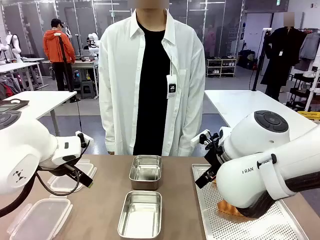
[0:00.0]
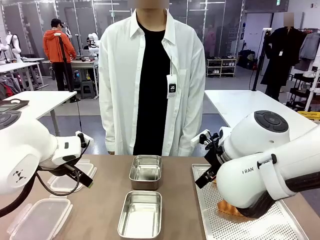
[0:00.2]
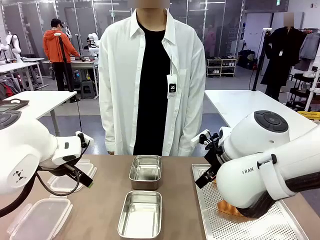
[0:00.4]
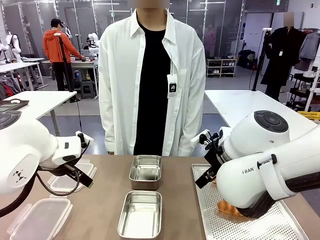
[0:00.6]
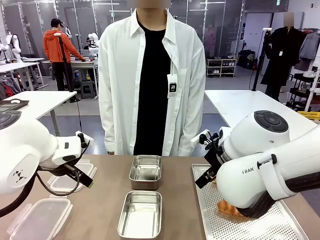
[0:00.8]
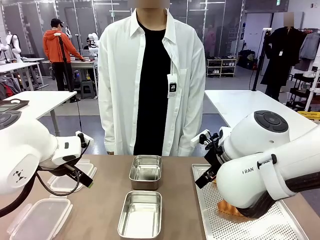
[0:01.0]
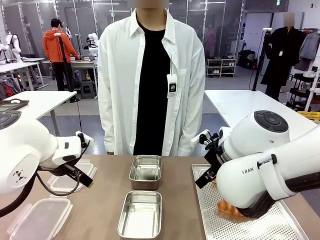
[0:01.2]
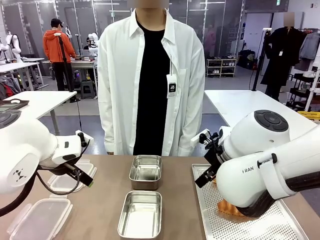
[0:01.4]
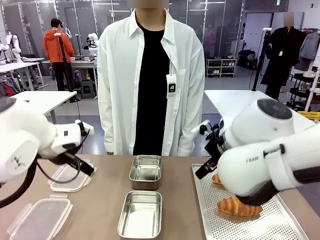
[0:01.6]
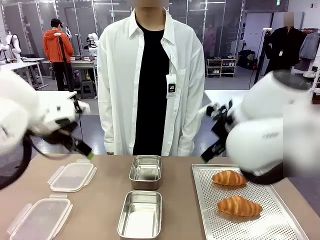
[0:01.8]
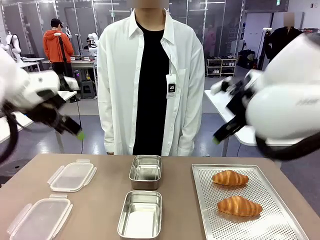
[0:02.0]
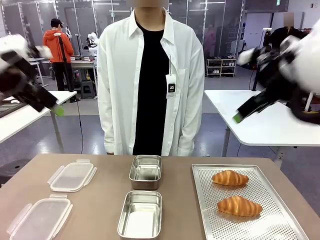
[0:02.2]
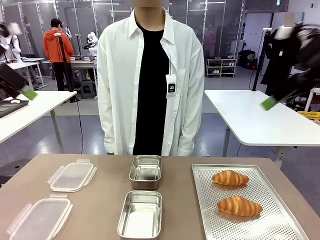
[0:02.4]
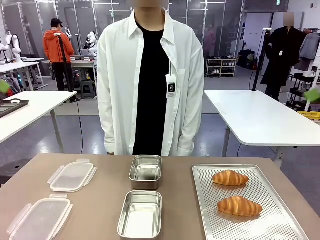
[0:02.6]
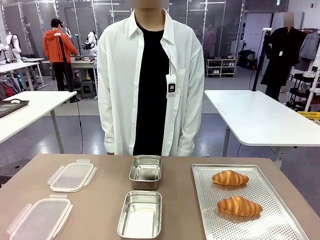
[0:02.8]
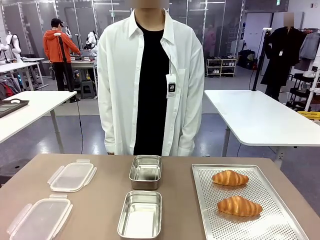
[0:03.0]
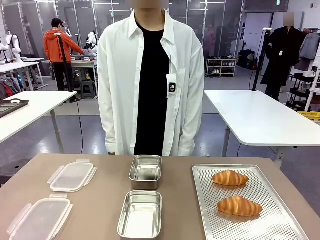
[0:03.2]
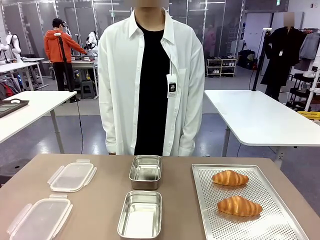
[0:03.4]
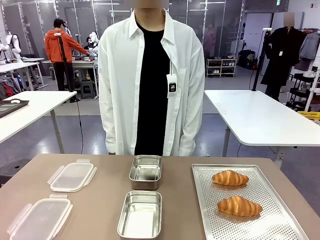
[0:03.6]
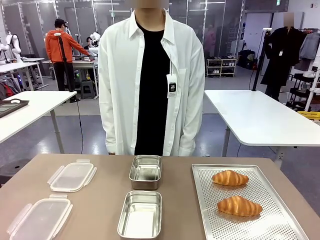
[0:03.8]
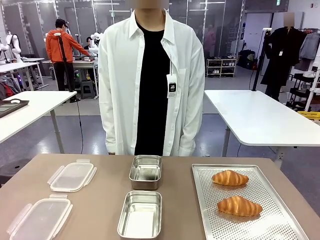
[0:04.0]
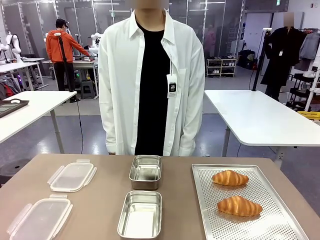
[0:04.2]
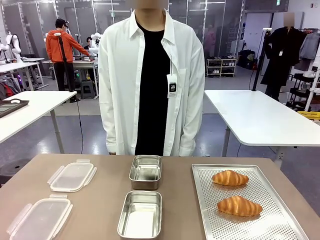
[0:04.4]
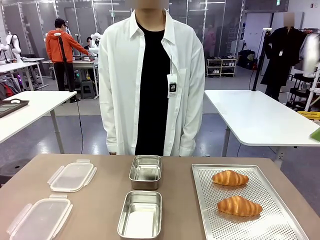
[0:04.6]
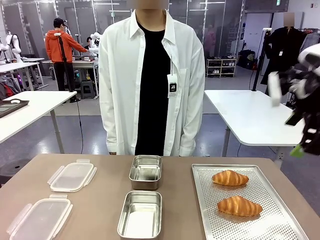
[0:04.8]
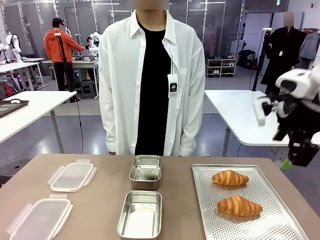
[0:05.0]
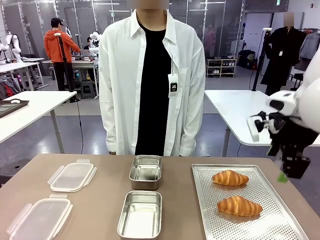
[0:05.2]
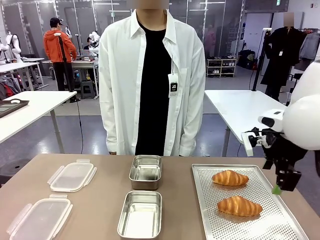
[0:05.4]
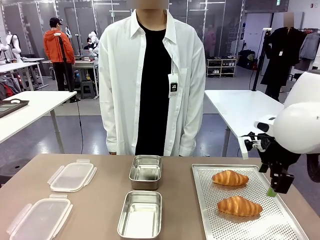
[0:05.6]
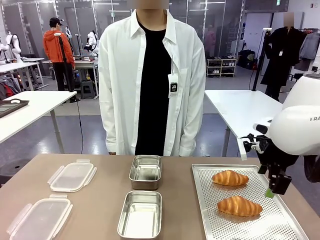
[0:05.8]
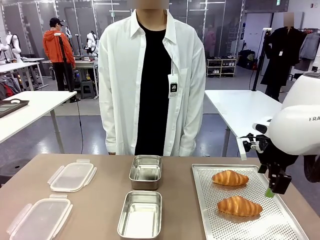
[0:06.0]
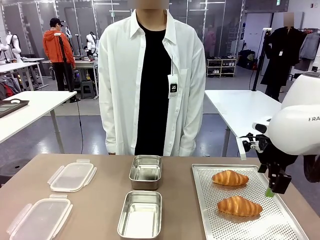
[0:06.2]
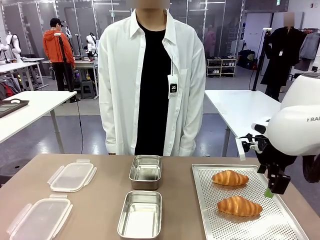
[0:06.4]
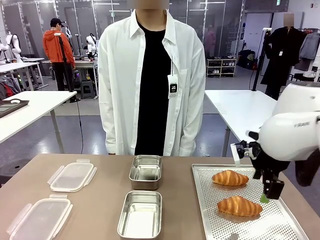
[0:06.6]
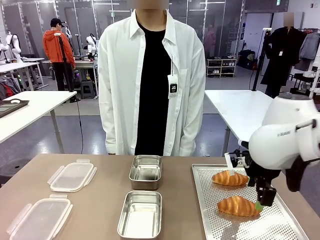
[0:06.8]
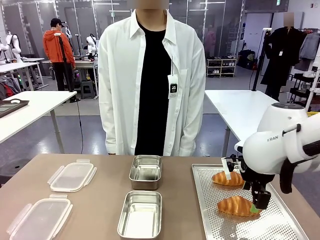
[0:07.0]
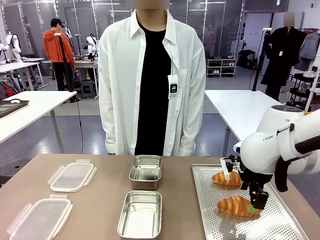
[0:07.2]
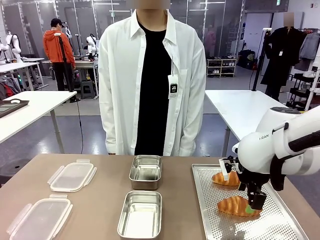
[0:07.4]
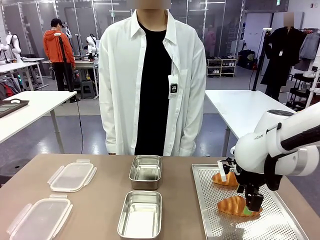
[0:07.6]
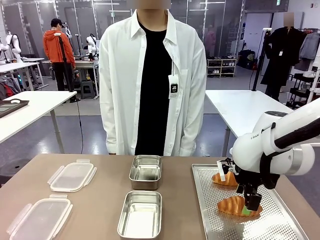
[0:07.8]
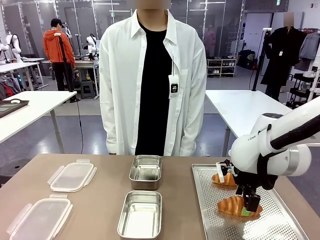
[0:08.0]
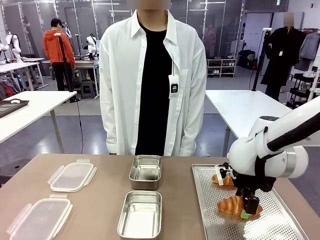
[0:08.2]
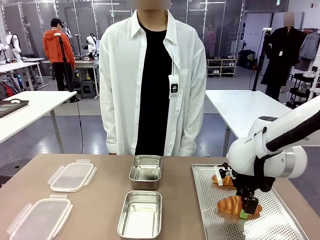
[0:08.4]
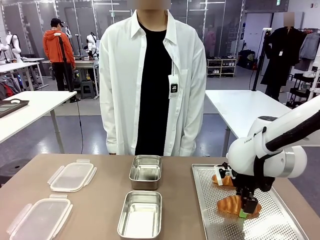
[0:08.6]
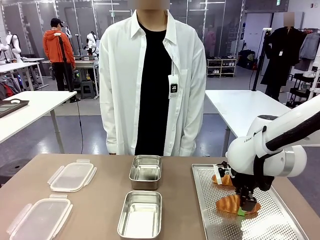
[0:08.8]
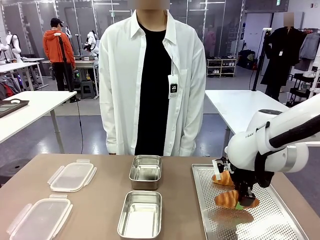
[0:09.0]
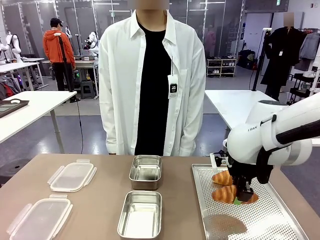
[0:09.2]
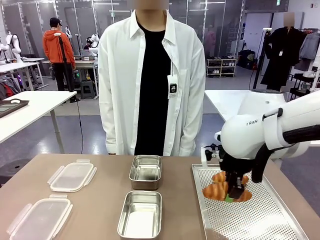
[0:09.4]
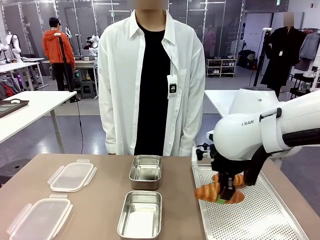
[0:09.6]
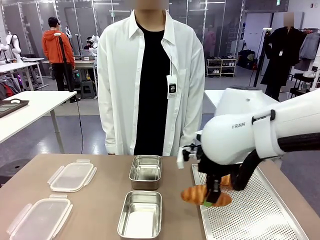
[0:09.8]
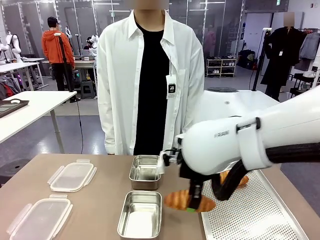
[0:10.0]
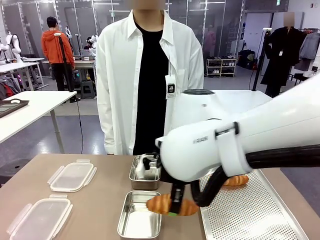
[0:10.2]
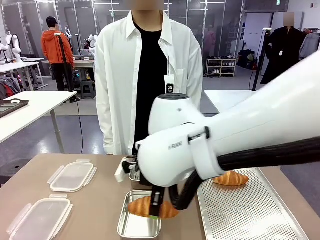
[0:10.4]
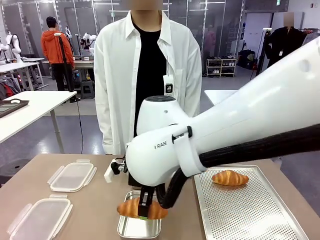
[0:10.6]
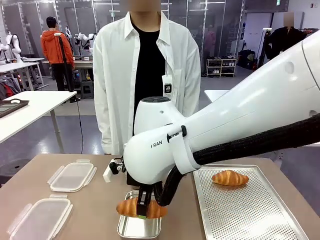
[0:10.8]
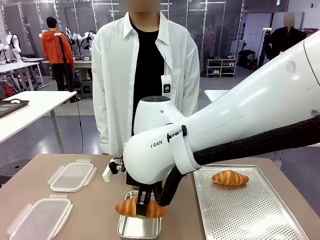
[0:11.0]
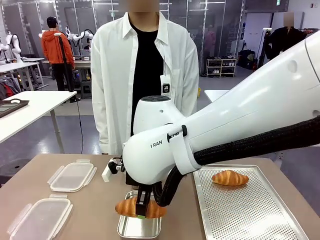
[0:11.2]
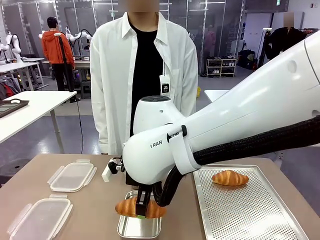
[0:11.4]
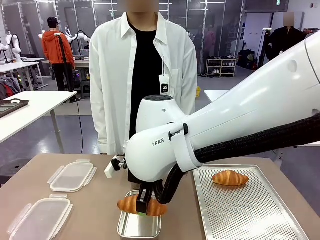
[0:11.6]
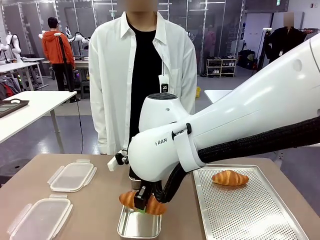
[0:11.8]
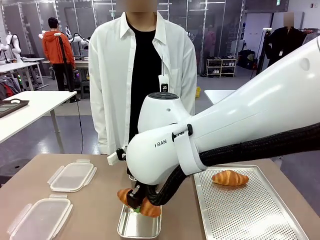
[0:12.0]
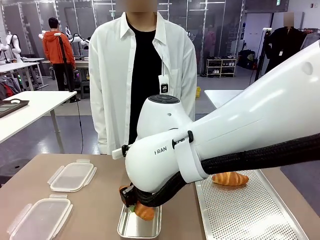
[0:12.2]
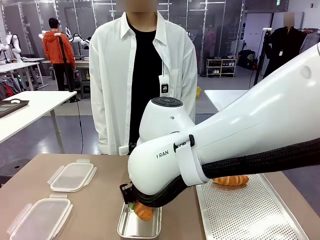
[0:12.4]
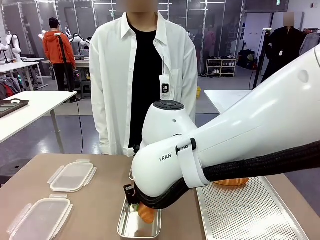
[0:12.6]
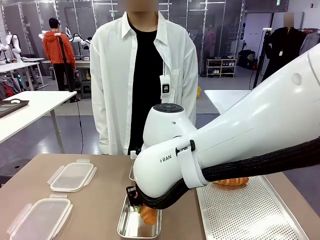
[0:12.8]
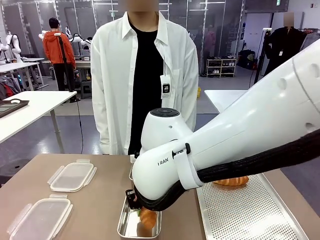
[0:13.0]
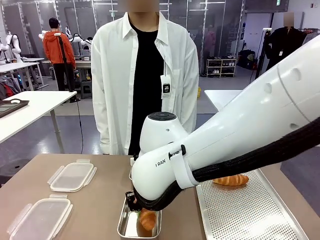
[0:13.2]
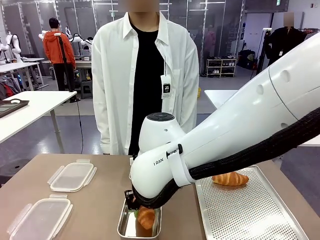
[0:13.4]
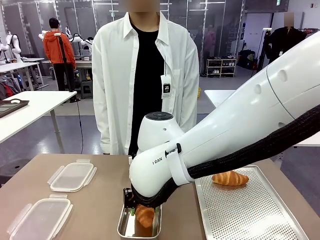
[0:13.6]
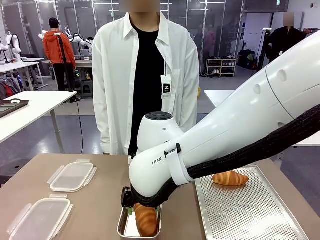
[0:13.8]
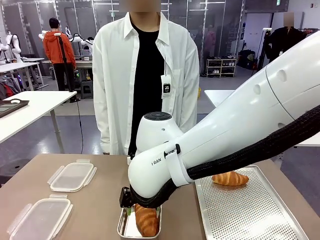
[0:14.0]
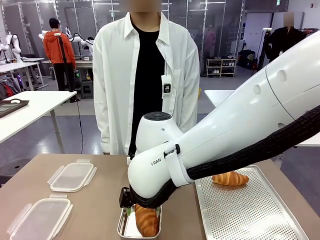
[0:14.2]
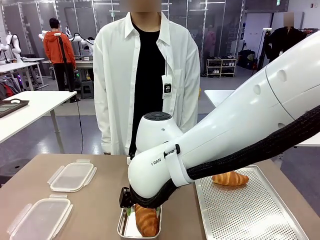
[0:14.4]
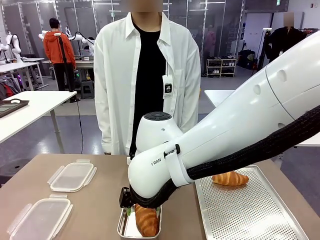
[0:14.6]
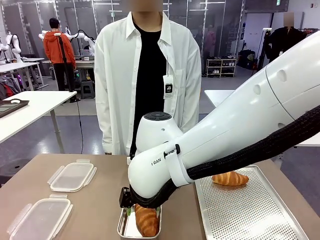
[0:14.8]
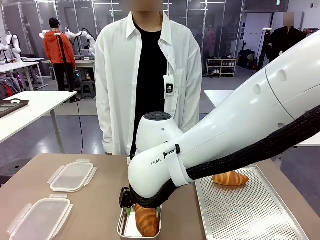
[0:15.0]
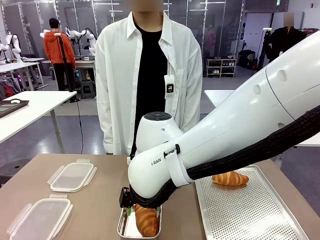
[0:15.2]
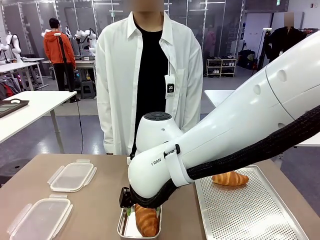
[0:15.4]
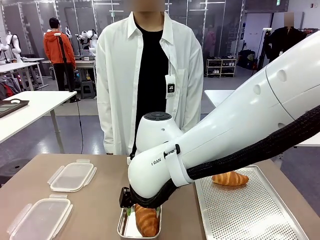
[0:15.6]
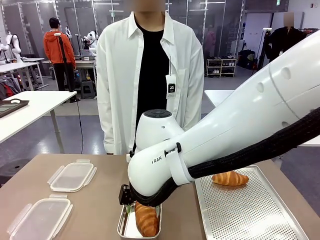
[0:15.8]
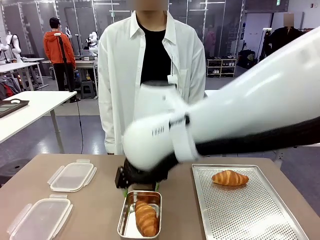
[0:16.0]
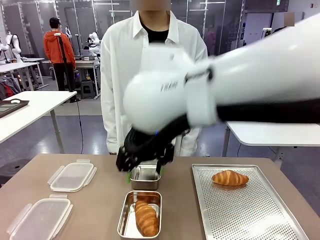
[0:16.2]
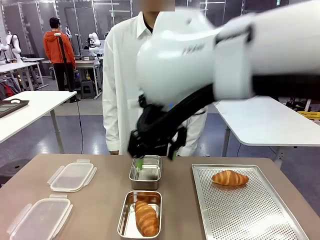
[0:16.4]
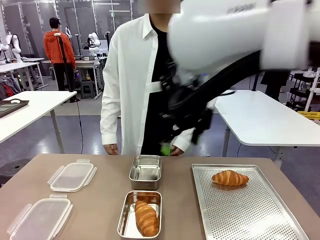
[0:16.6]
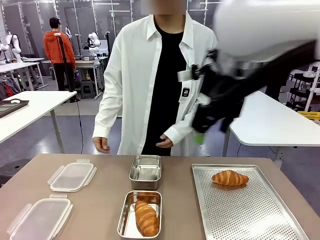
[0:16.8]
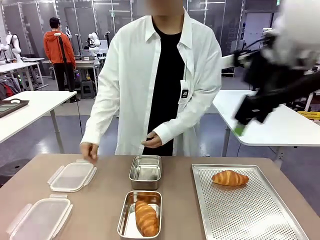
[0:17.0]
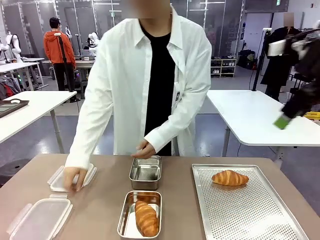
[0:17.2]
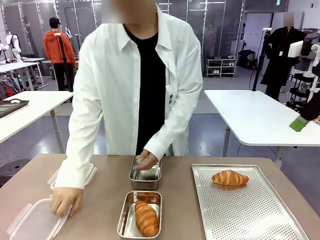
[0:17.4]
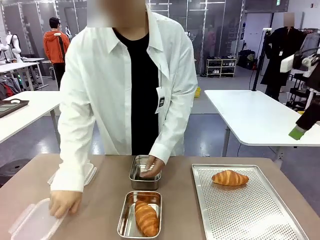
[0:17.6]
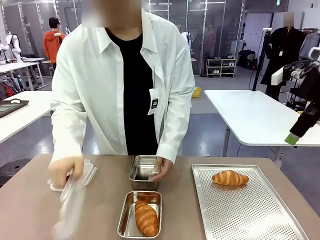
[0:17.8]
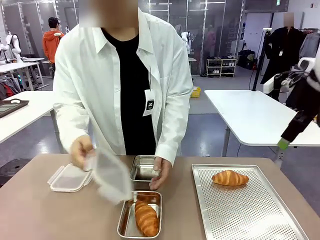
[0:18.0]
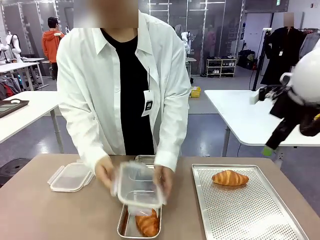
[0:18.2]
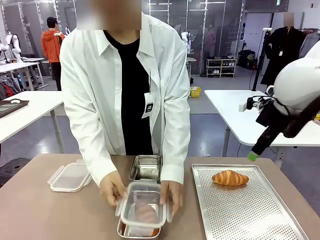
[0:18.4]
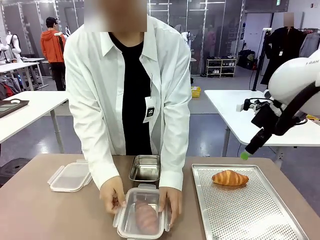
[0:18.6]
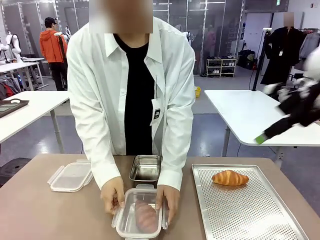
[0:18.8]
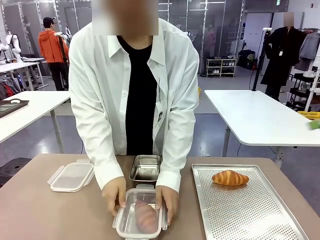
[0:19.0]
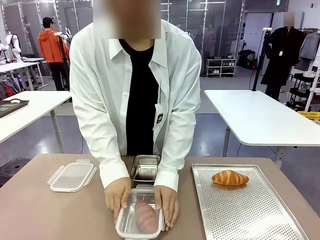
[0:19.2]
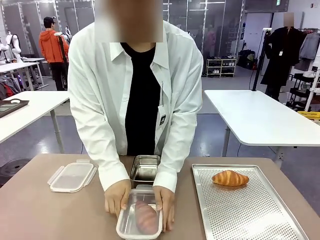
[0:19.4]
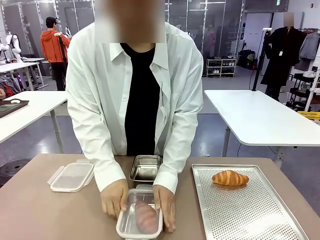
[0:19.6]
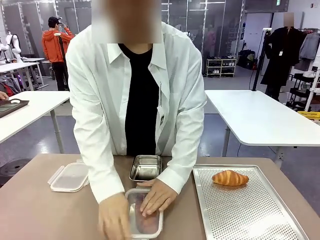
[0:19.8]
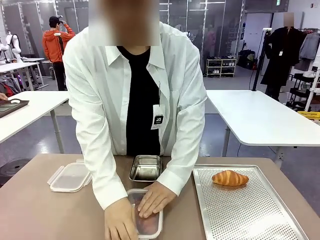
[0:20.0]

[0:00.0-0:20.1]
Task: Place the bread into the airtight container.
Robot: Pick up a Butter Roll and place it into an empty Airtight Container.
